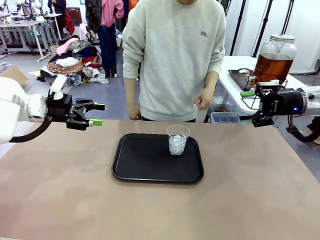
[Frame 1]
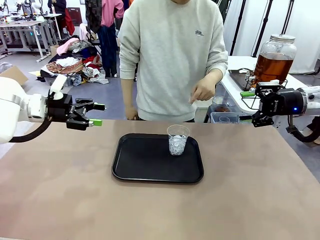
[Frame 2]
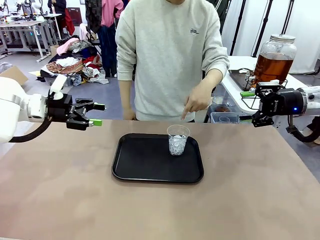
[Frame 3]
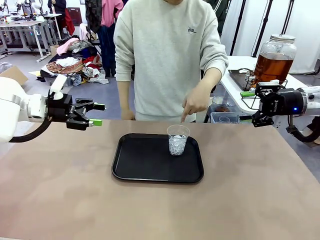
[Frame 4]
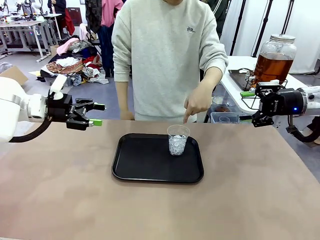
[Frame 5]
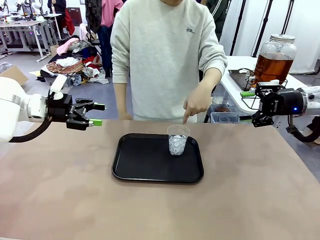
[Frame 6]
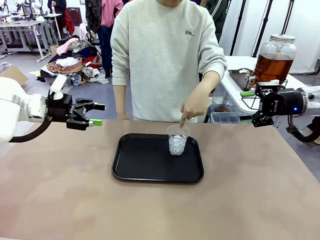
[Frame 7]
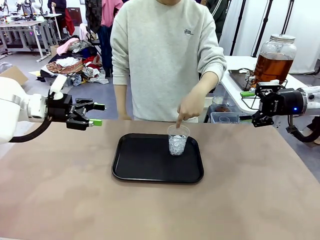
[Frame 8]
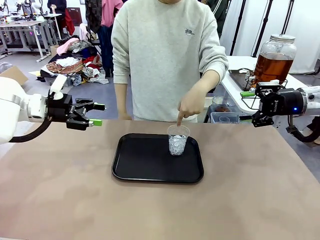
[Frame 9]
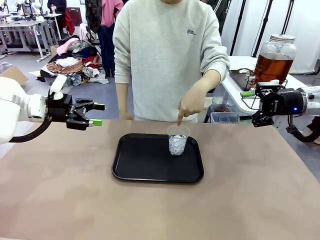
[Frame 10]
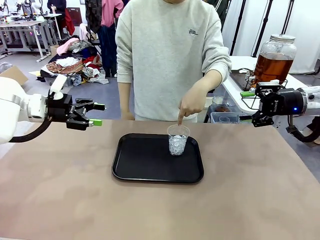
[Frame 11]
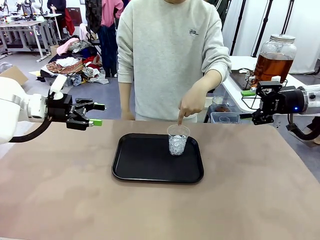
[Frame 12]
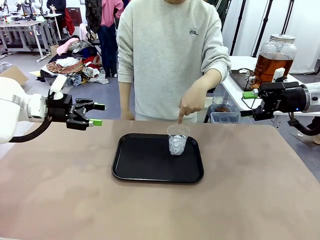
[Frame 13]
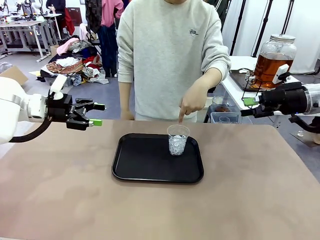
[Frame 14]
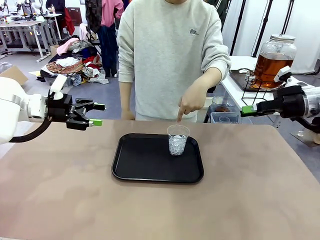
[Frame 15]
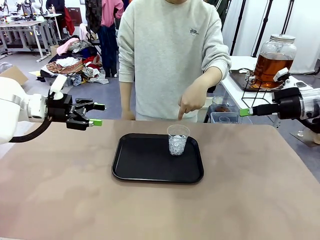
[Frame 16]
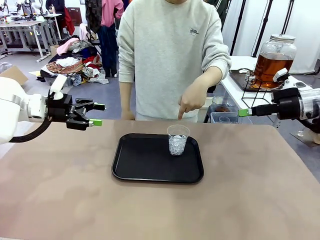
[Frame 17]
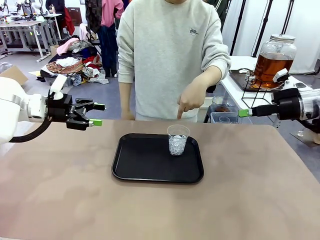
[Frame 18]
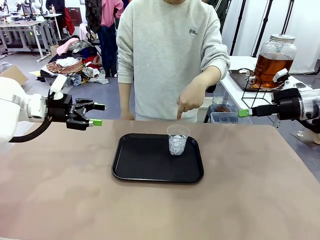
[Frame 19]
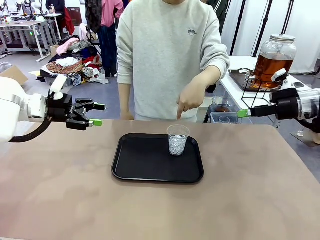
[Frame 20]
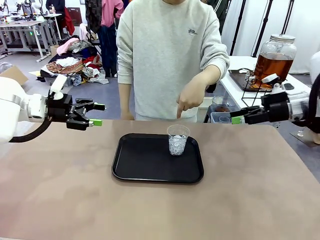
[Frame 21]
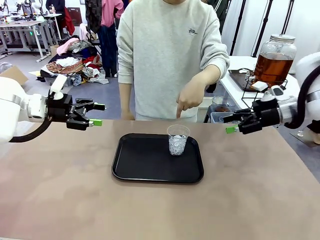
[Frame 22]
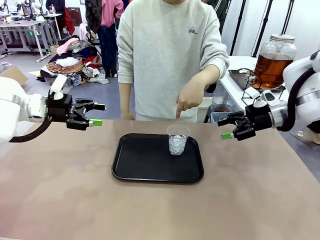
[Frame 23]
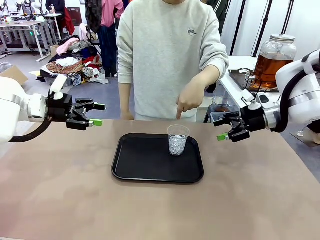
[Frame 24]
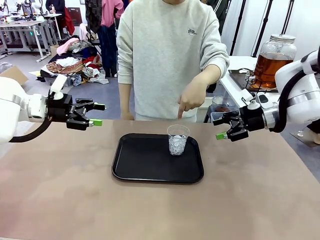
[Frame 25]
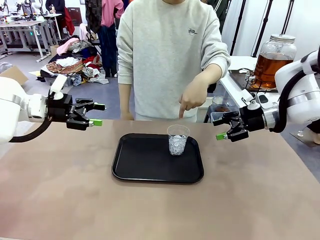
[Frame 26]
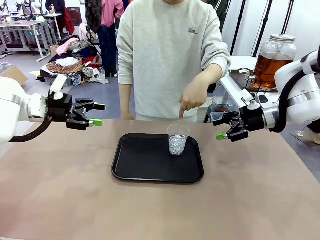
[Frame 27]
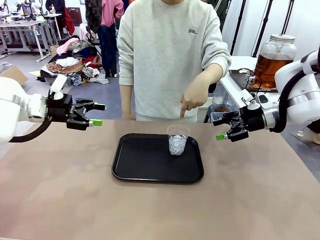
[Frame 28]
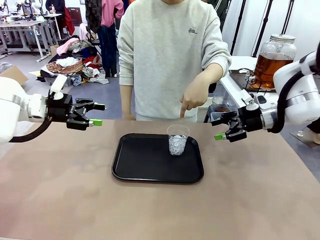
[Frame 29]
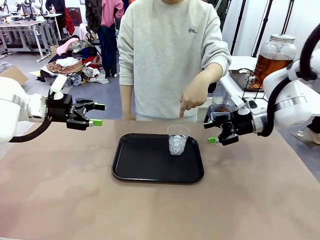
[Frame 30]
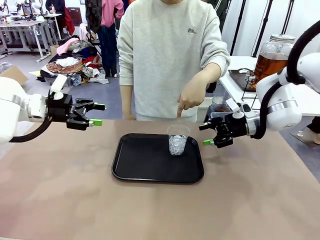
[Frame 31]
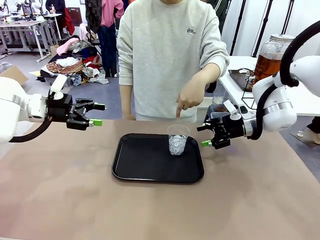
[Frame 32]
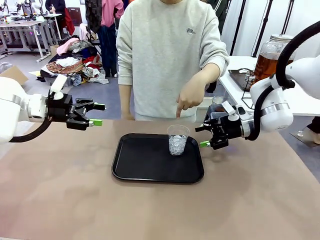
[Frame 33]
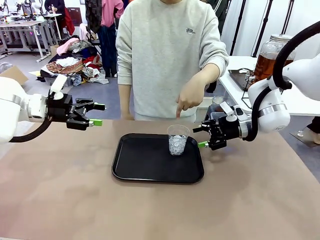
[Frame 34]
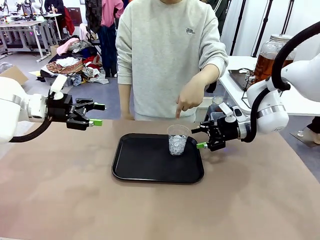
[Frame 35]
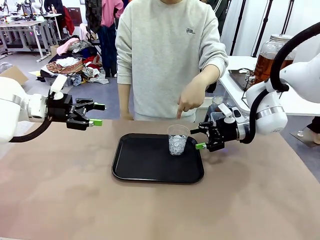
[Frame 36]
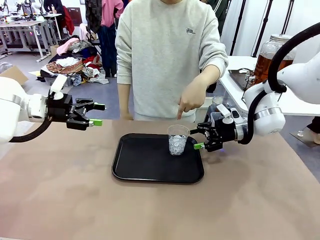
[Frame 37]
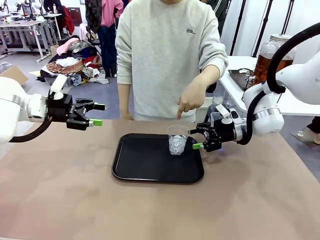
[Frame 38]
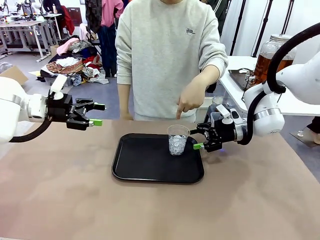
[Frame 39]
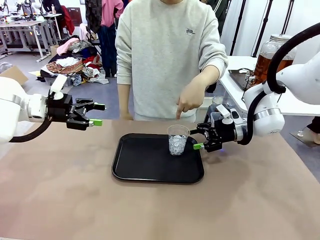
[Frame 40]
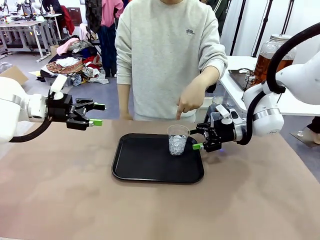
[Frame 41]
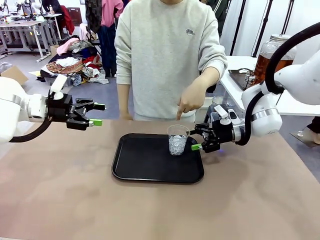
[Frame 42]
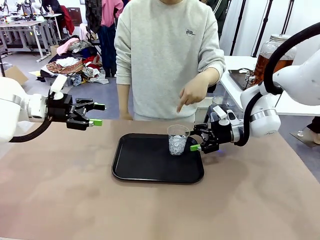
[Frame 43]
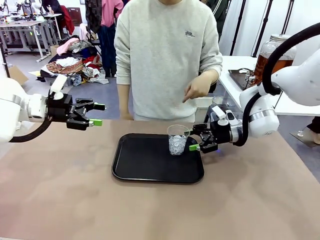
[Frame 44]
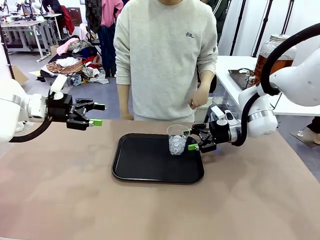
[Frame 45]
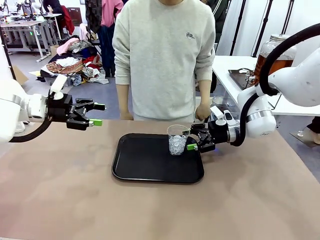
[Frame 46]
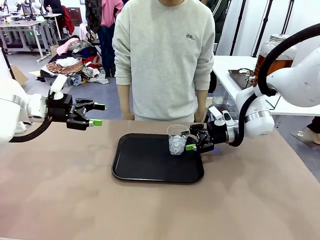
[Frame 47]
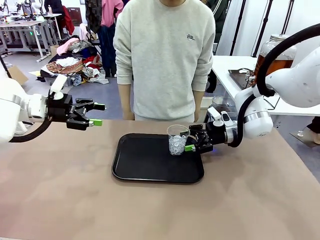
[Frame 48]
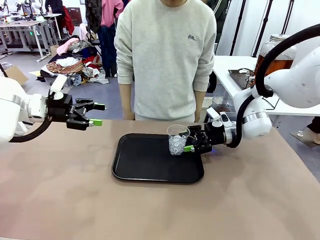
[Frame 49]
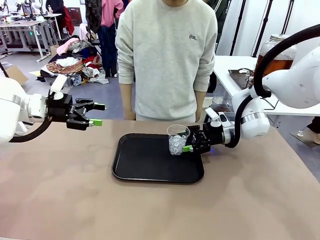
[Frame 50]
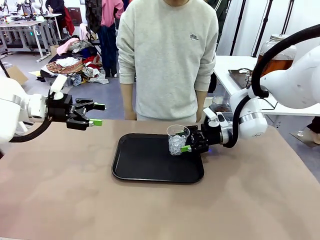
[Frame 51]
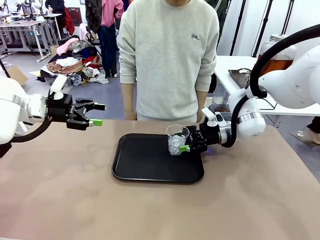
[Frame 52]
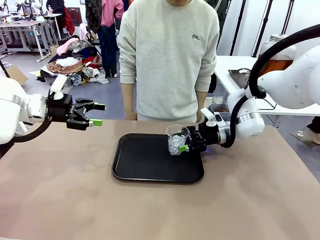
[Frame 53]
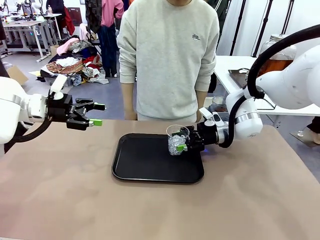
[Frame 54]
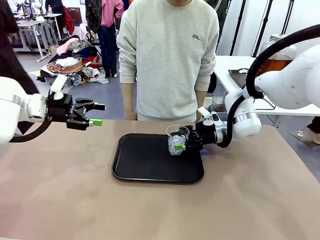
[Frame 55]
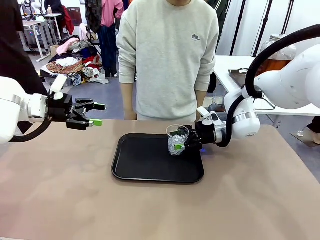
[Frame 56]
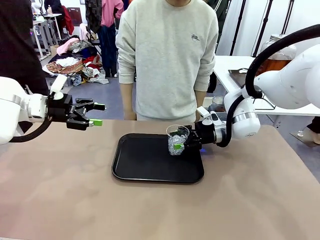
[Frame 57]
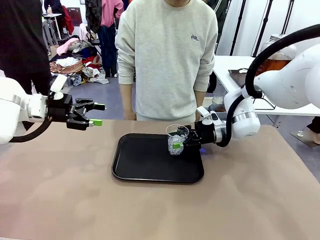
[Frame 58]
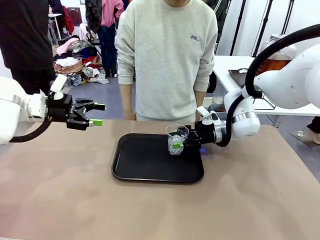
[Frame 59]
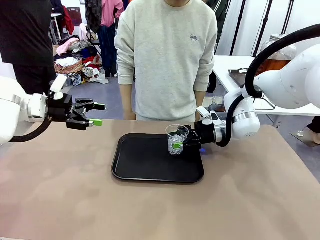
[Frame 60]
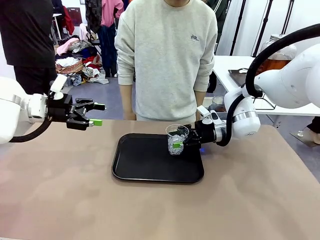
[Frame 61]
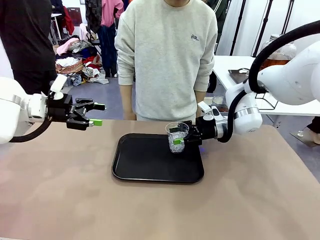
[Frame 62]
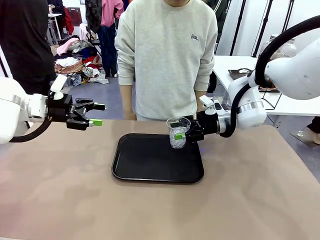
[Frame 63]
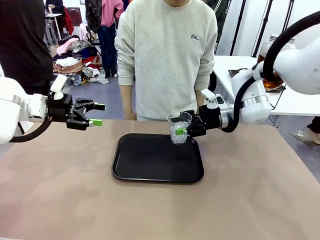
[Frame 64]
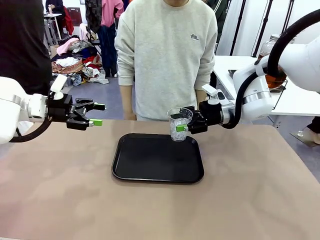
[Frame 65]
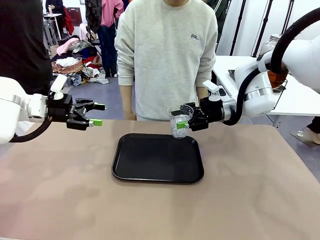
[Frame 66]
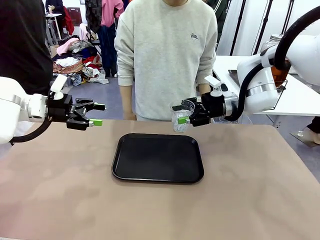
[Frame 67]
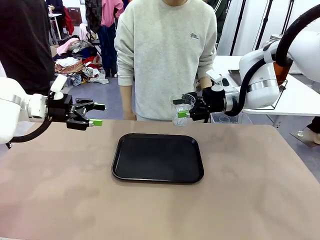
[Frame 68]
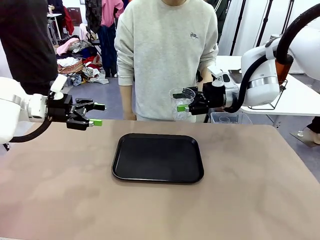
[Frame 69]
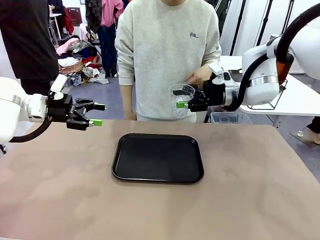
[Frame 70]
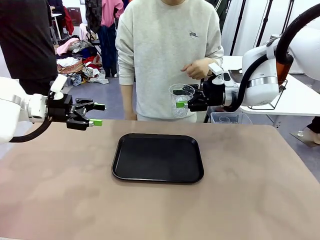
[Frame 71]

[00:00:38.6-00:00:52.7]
Task: Pour the drink into the iced cup.
Robot: Pick up the iced cup indicated by the human and present it to them.
Person: Pick up the cup offered by the robot.

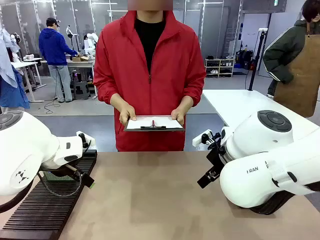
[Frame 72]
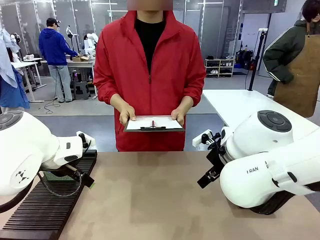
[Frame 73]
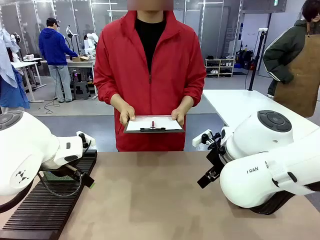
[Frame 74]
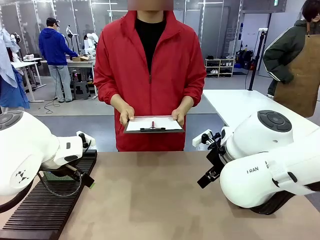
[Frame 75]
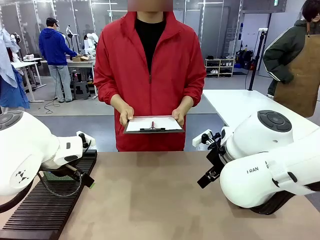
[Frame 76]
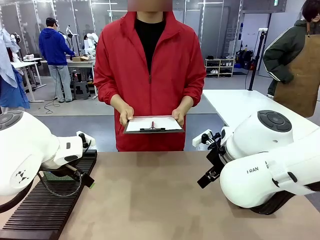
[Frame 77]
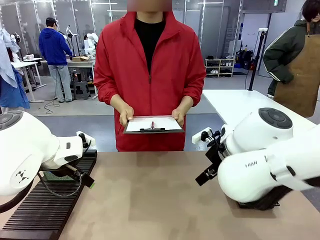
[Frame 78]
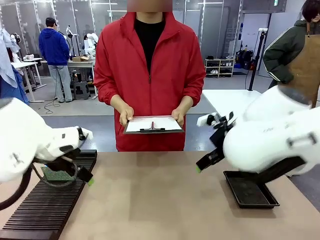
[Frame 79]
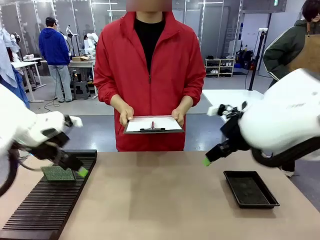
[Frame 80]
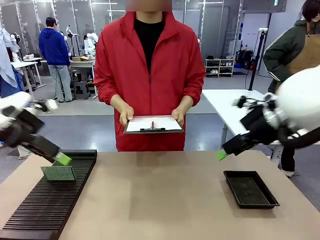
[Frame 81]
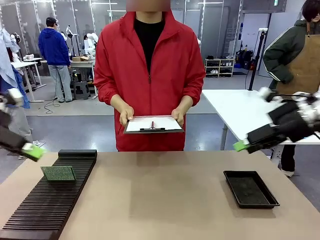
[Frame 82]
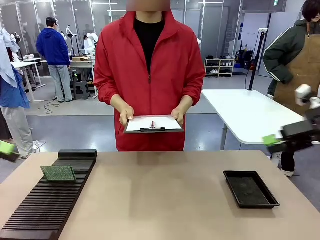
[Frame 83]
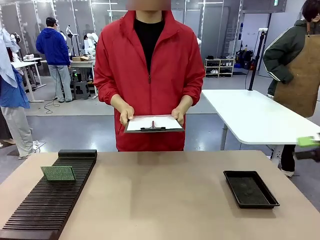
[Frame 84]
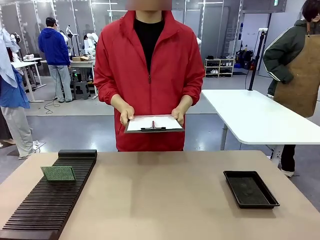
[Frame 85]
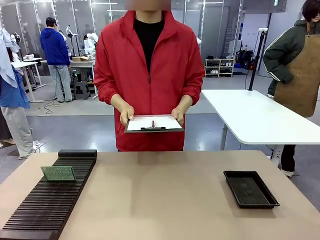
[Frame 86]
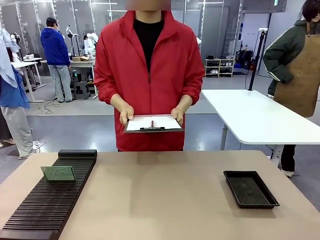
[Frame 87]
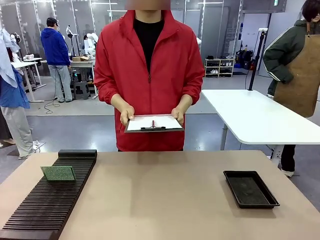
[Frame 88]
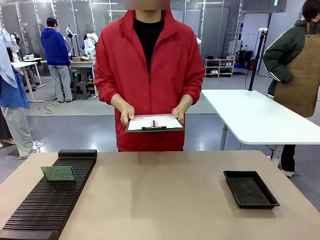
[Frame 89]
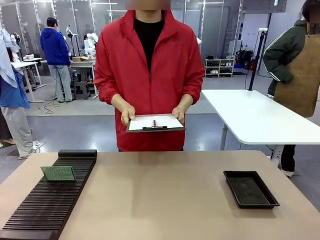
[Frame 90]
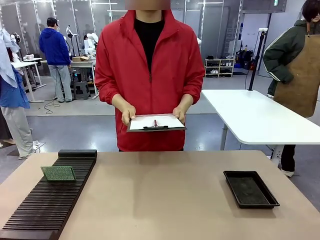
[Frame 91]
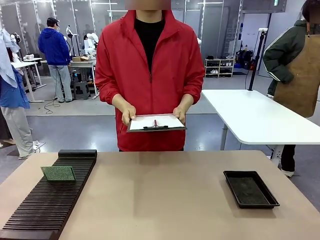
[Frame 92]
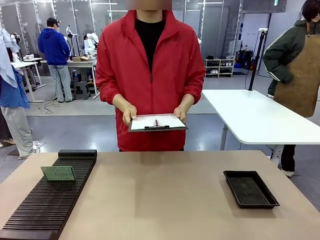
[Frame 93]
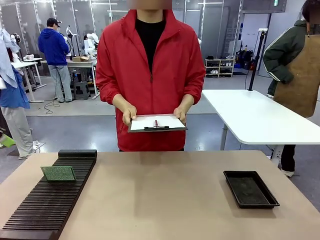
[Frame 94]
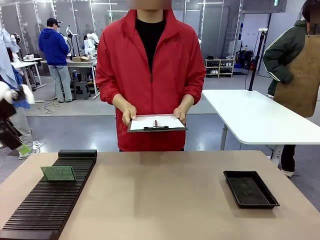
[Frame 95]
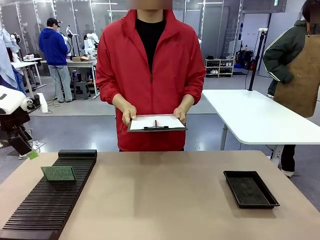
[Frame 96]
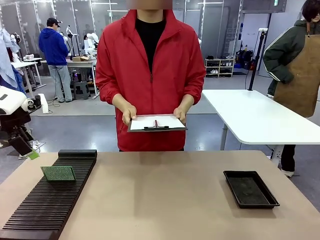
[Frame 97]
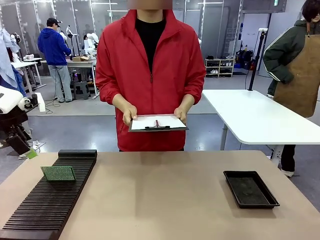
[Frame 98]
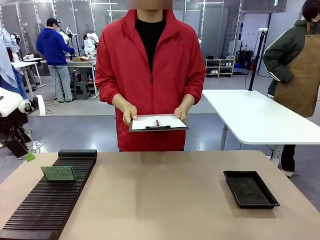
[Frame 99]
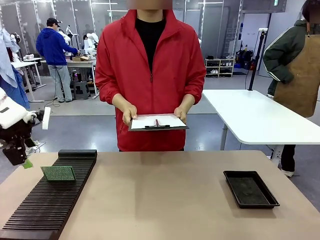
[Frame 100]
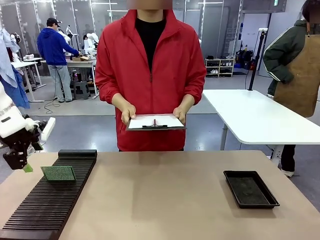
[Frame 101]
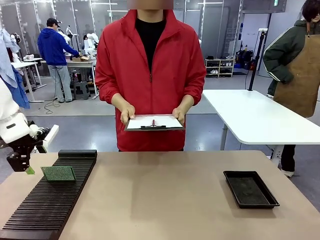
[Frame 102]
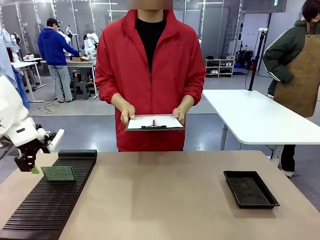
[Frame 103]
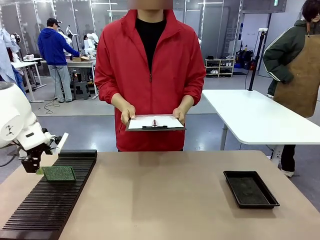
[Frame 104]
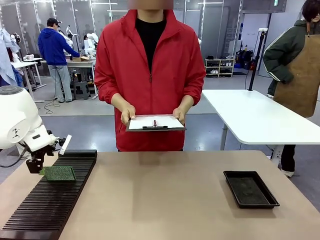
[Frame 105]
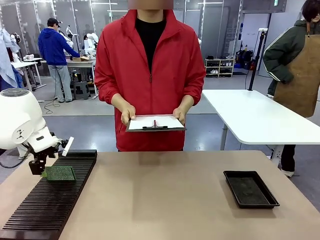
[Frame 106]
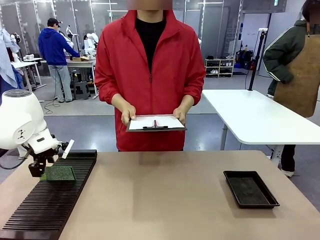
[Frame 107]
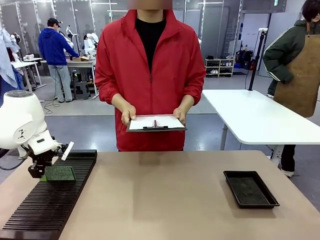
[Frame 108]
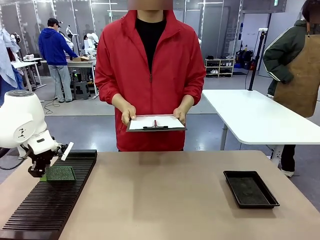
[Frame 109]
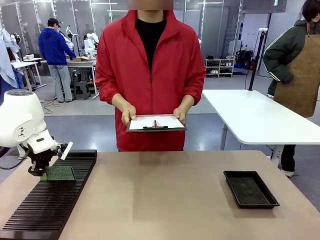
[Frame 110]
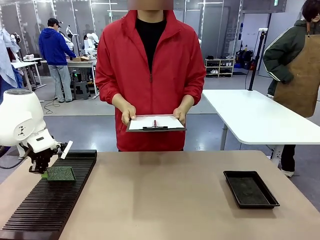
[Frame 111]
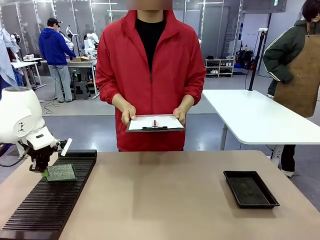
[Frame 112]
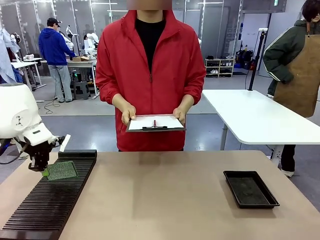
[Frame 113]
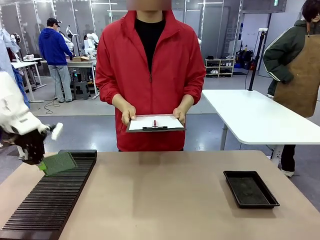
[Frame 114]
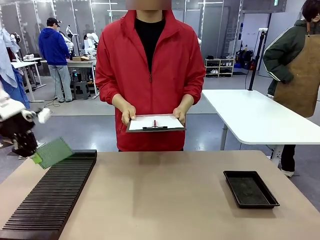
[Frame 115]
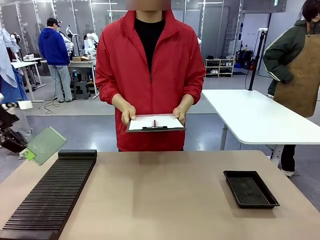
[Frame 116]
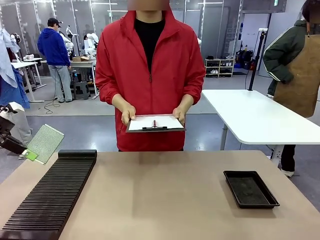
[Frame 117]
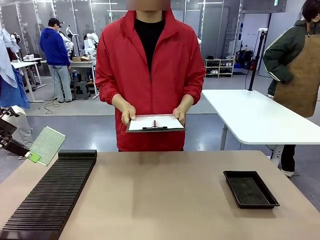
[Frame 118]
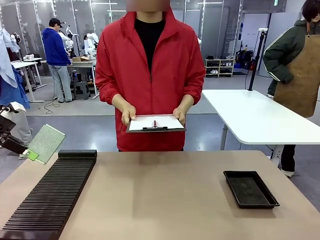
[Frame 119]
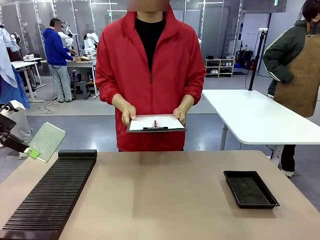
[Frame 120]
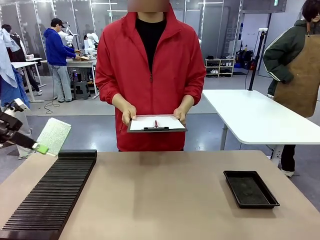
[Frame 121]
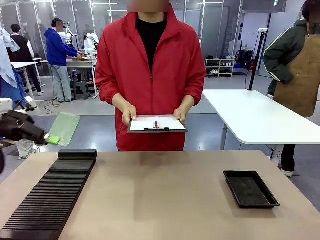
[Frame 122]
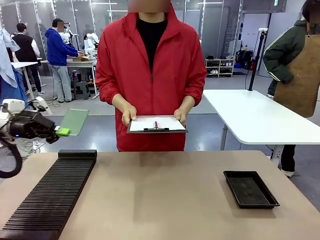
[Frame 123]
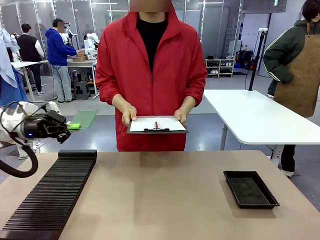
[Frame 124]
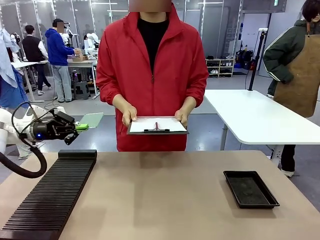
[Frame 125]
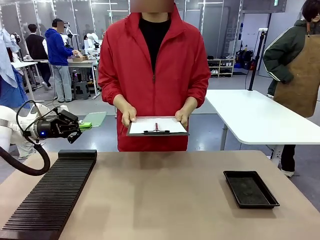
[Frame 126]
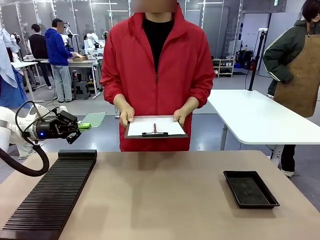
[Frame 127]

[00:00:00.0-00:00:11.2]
Task: Inspect the PCB.
Robot: Pick up the Blank PCB and present it to the human.
Person: Pick up the PCB presented by the robot.
